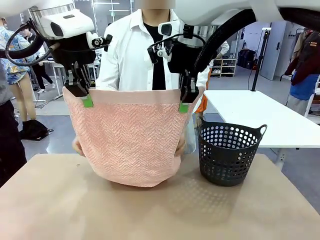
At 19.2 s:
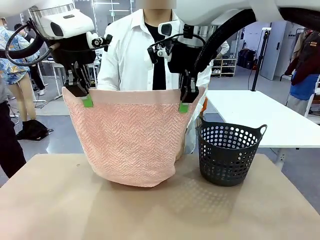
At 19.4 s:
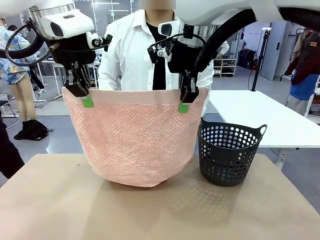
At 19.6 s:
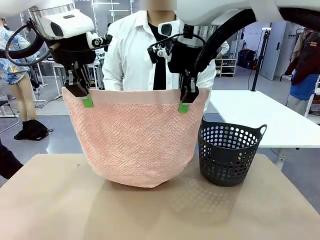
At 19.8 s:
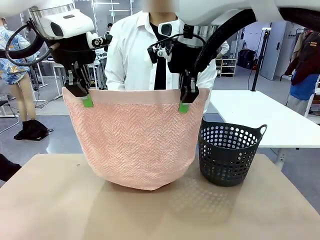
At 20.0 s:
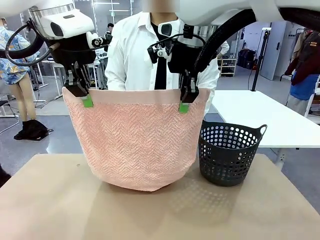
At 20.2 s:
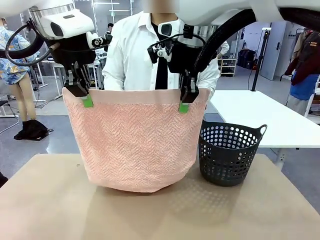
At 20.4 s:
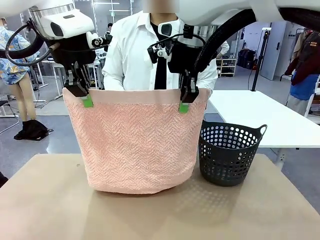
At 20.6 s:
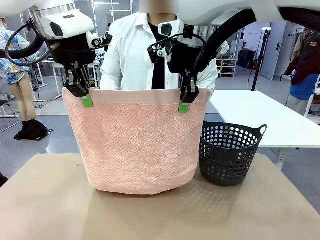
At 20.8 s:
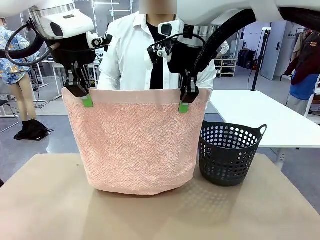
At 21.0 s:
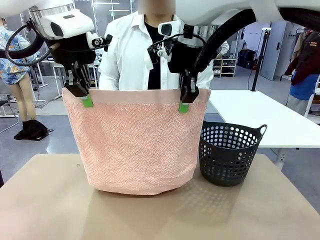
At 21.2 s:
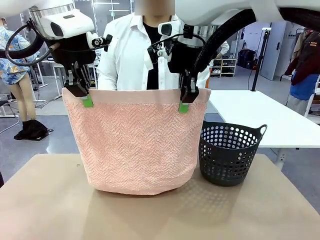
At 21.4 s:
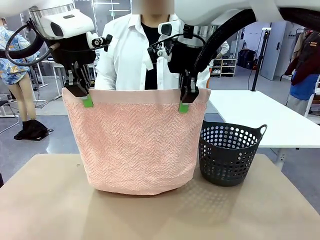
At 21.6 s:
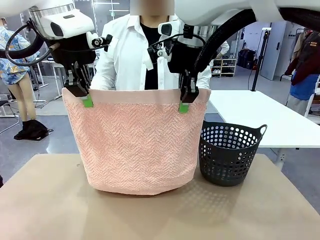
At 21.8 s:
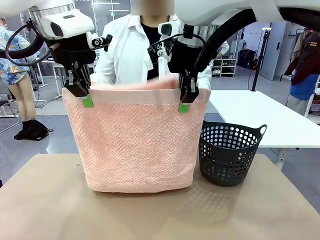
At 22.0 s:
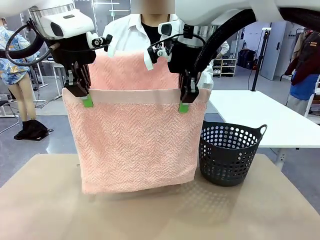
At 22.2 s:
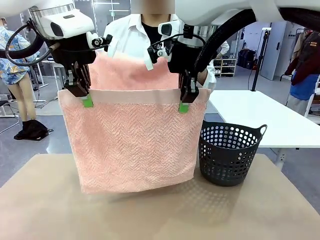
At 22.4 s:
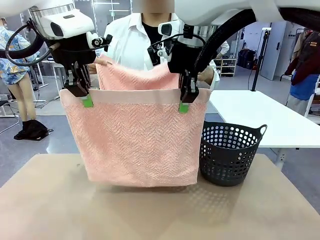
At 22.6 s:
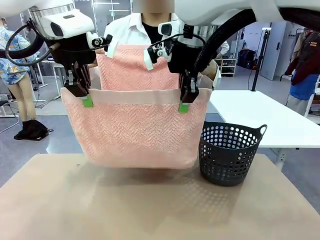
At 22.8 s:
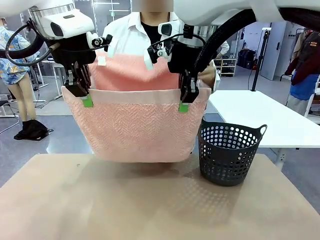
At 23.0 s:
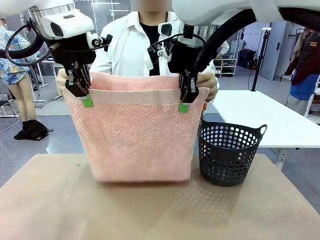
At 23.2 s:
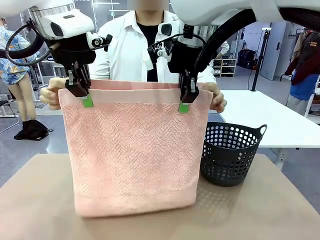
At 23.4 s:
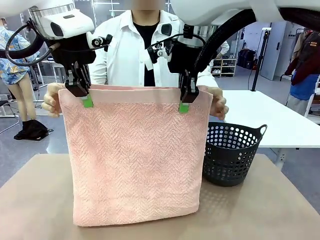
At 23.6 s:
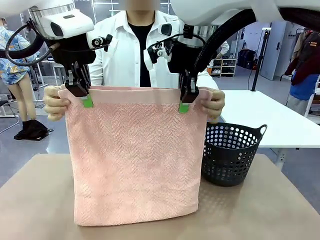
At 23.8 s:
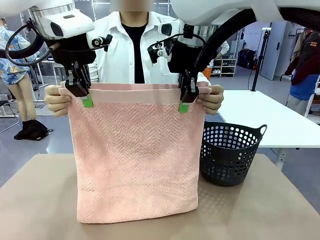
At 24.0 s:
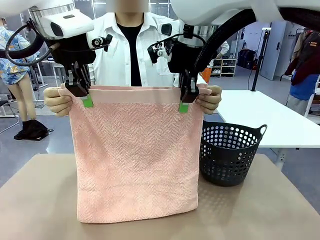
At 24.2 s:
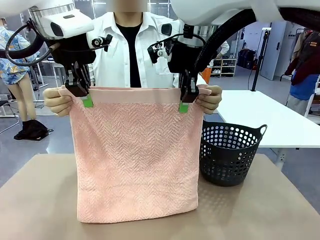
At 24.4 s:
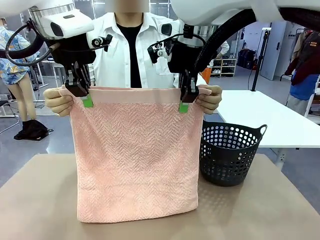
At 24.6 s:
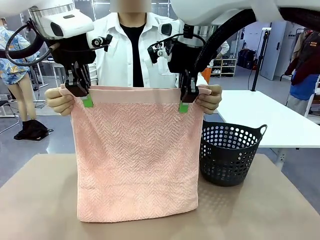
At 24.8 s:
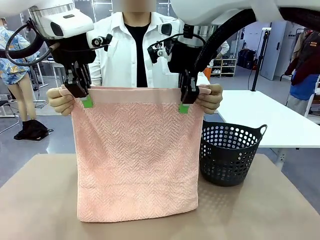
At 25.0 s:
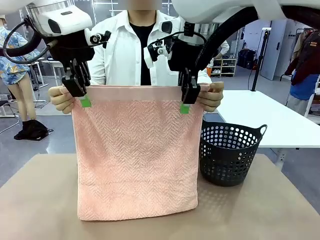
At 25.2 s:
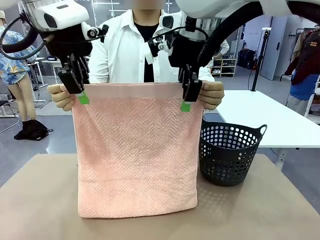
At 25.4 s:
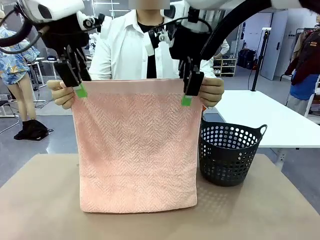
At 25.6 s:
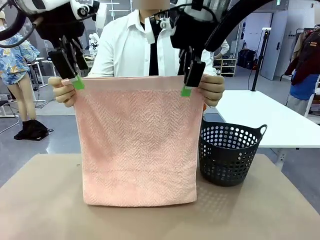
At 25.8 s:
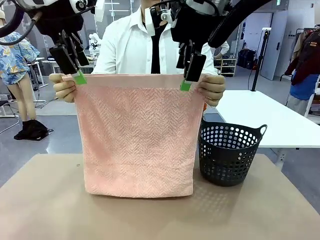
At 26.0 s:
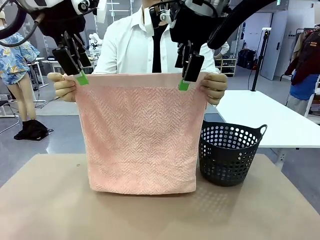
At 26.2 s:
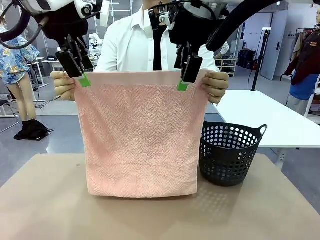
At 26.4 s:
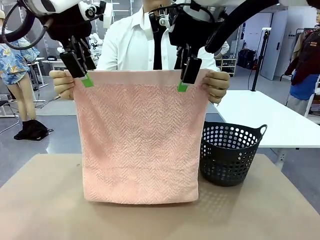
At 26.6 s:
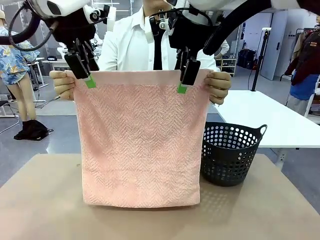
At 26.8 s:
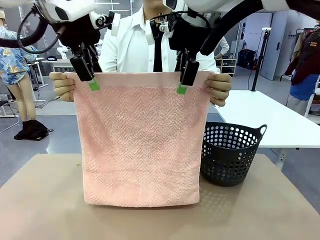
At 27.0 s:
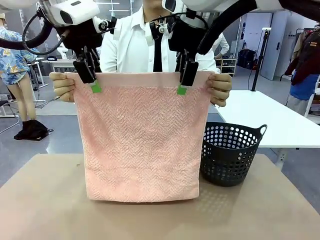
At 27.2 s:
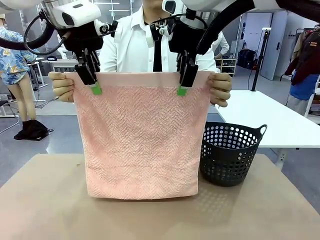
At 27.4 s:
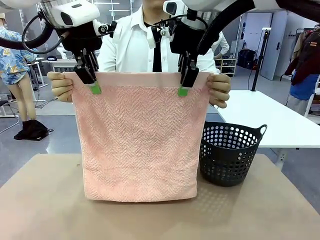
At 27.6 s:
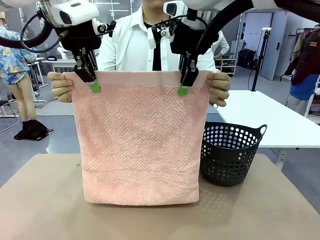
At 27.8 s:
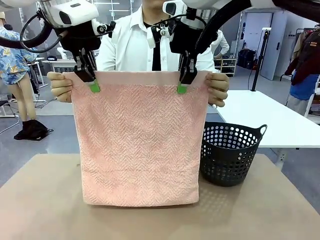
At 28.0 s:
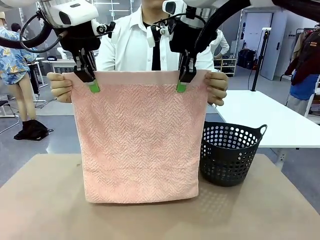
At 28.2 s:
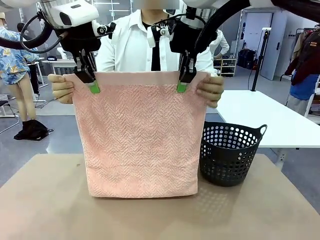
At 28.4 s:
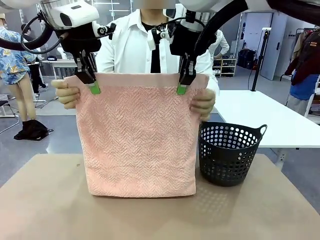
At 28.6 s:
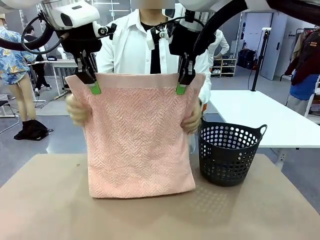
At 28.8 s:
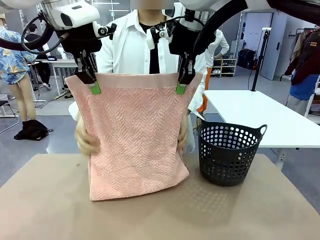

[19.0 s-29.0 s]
Task: Fold the towel.
Robot: Release the end of the 100 cm Hotel Towel you were holding and grab the top end of the folded side.

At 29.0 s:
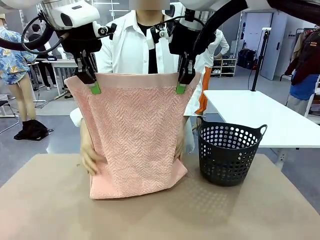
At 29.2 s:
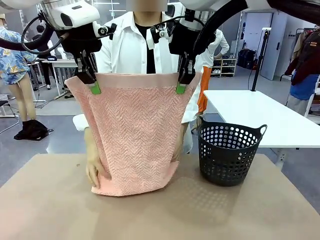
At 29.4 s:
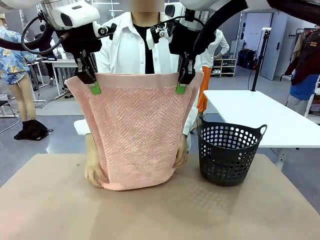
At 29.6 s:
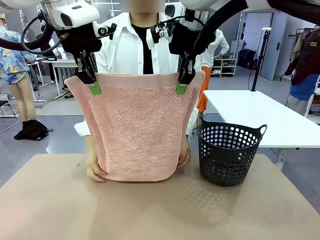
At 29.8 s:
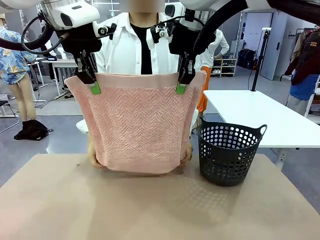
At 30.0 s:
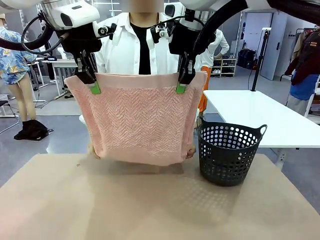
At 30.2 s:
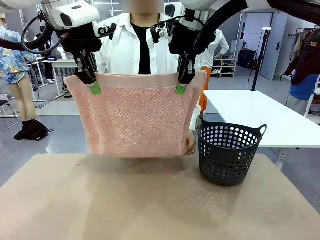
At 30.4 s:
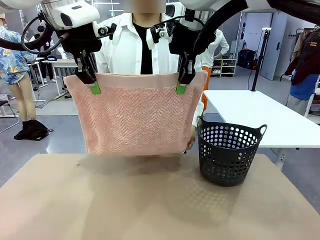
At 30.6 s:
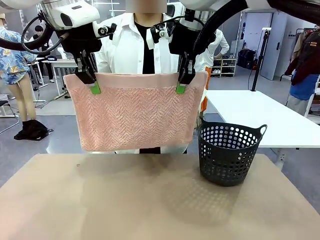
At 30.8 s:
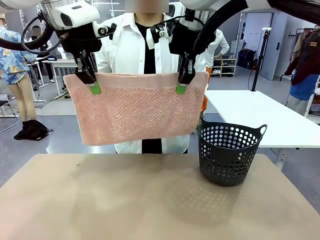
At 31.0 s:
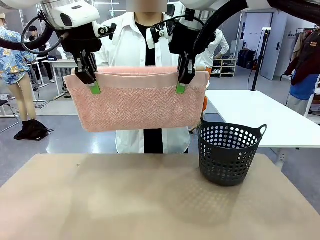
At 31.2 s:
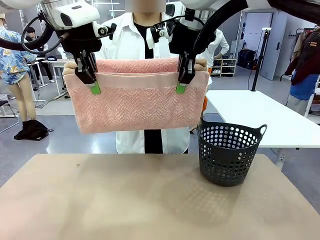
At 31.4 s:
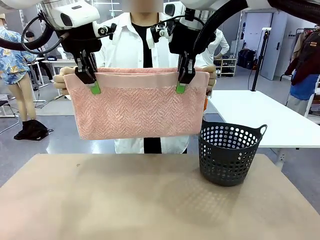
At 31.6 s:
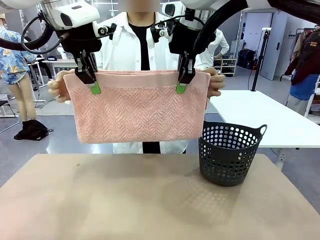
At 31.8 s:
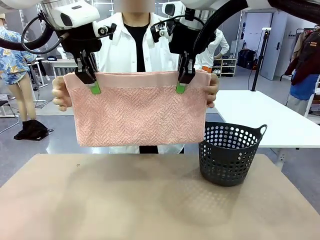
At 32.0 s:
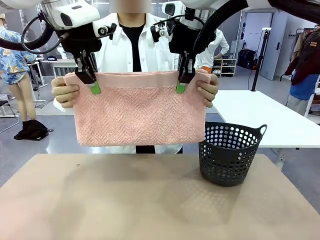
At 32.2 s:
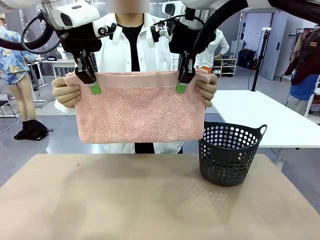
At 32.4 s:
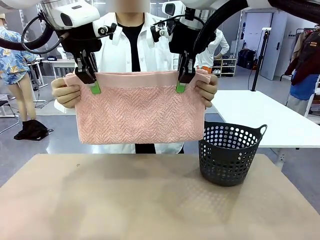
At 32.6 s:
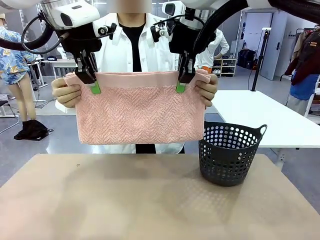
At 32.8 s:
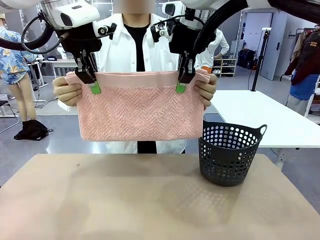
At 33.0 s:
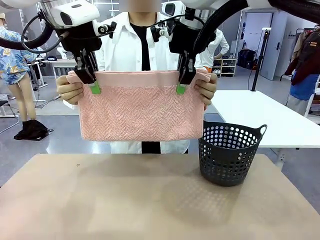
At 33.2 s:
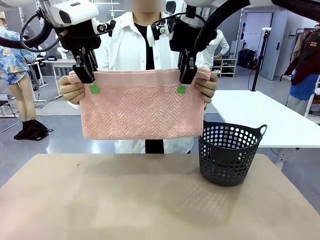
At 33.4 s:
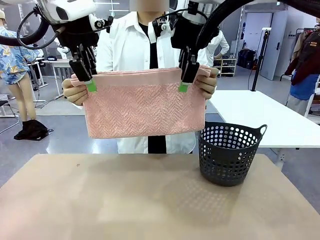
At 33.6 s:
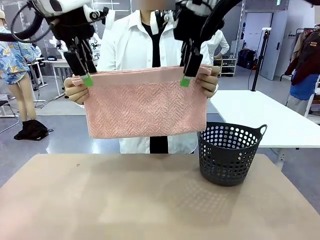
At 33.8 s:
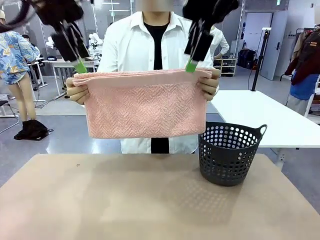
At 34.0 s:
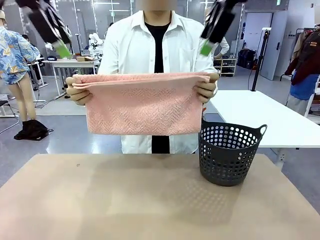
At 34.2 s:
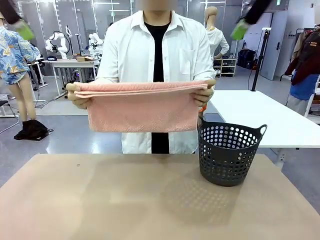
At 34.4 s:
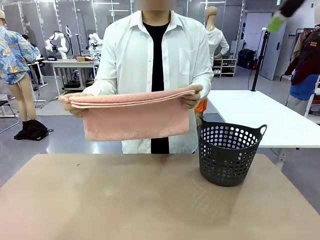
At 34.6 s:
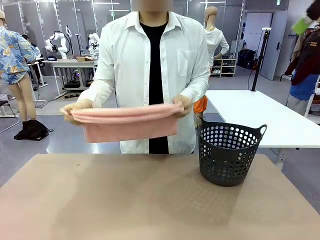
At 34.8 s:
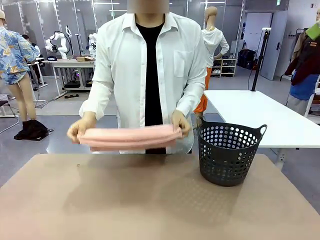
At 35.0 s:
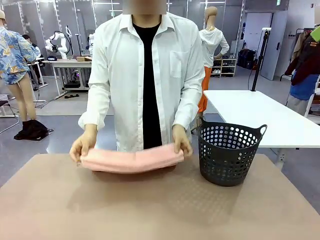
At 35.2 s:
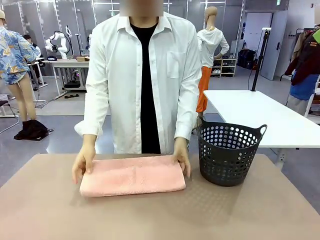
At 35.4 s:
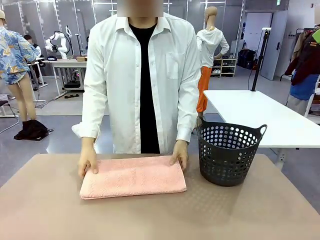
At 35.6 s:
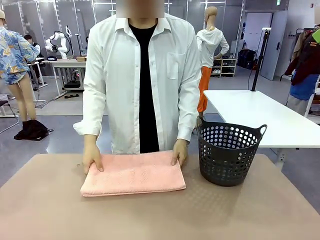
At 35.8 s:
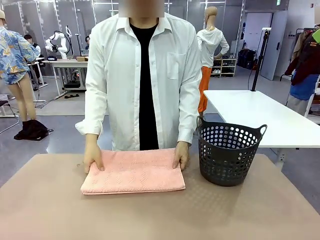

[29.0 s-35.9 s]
Robot: Release the end of the 100 cm Hotel Towel you were holding.
Person: Place the towel at the center of the robot table and fold it in half.
